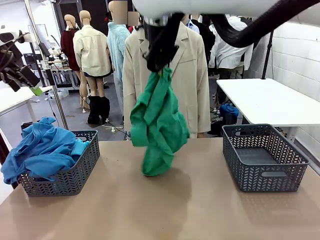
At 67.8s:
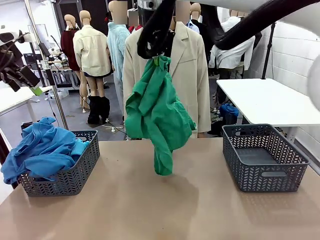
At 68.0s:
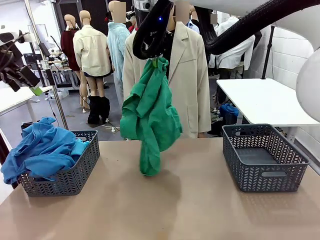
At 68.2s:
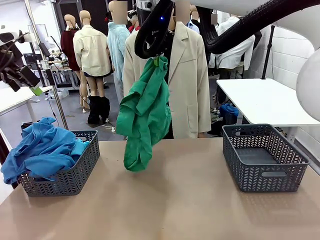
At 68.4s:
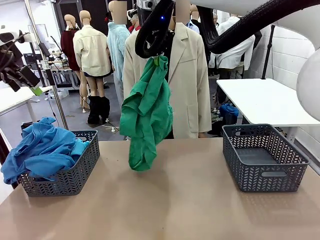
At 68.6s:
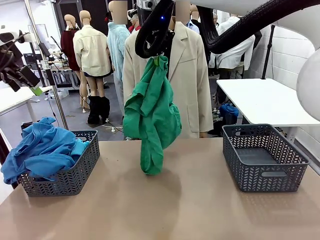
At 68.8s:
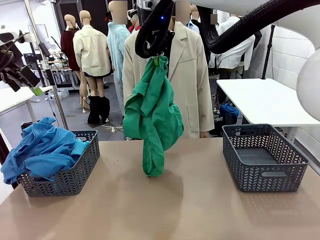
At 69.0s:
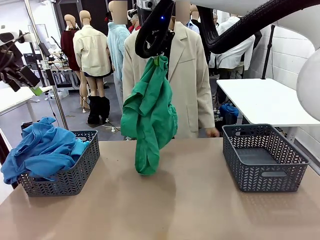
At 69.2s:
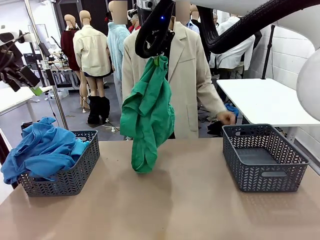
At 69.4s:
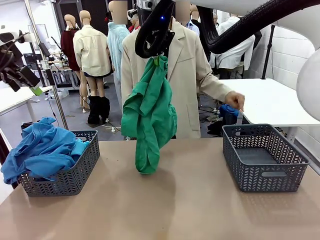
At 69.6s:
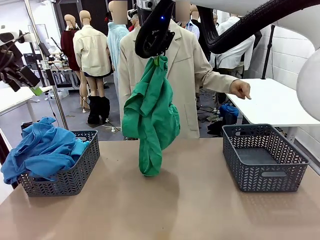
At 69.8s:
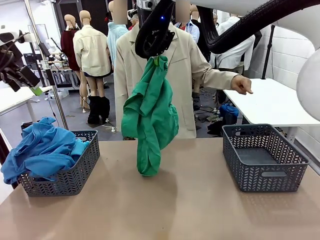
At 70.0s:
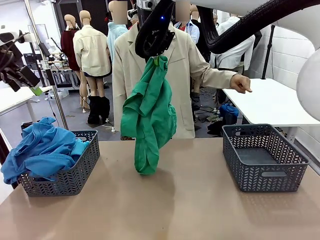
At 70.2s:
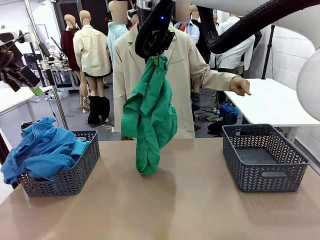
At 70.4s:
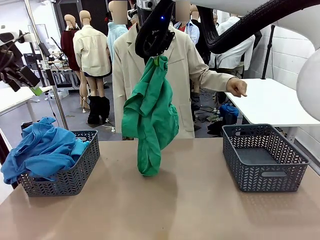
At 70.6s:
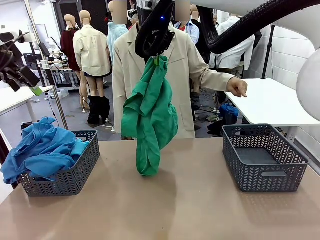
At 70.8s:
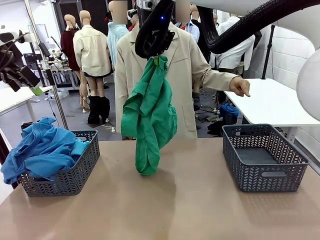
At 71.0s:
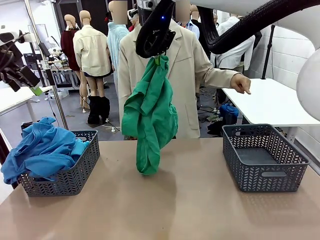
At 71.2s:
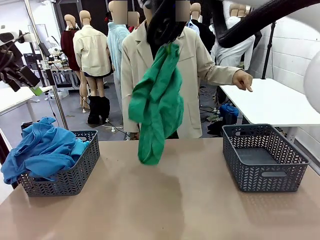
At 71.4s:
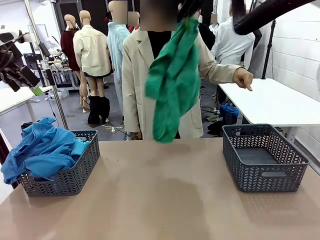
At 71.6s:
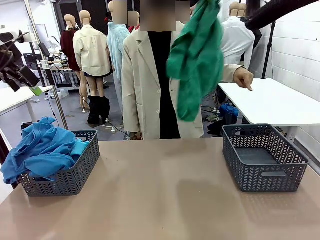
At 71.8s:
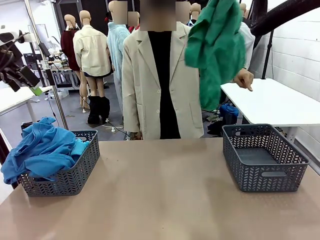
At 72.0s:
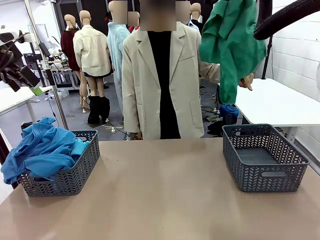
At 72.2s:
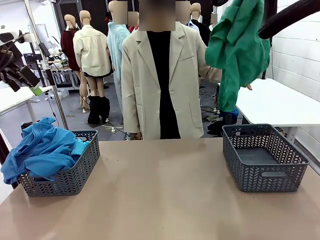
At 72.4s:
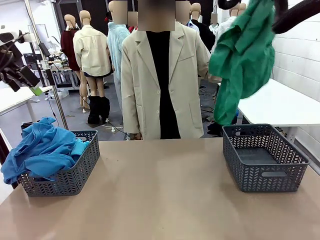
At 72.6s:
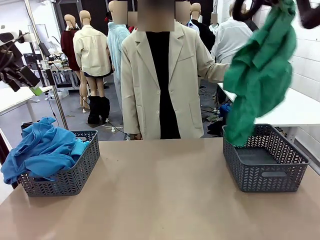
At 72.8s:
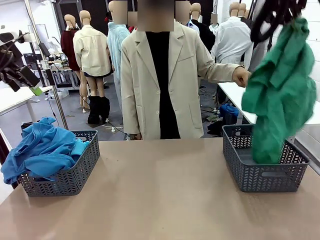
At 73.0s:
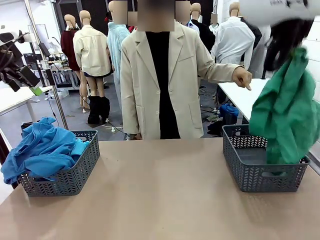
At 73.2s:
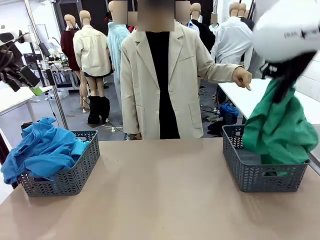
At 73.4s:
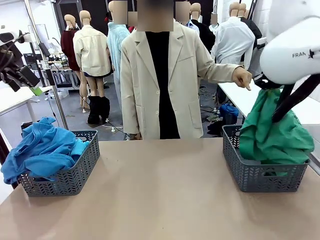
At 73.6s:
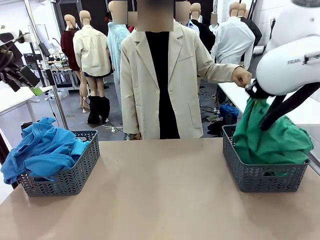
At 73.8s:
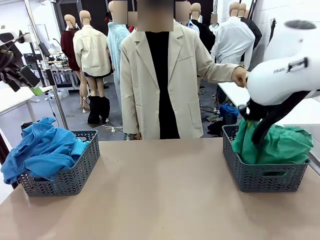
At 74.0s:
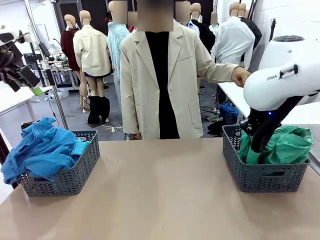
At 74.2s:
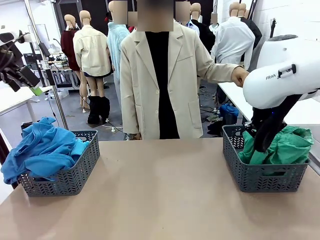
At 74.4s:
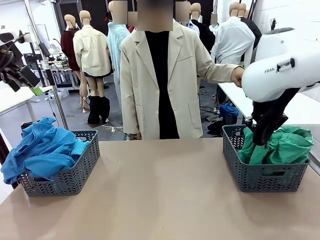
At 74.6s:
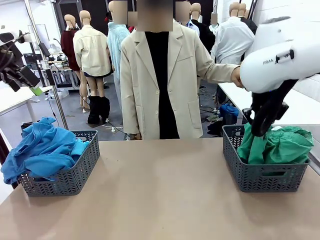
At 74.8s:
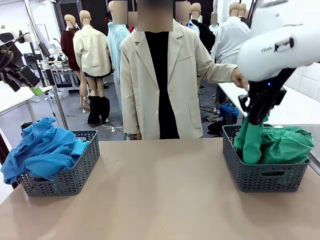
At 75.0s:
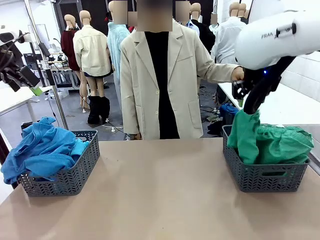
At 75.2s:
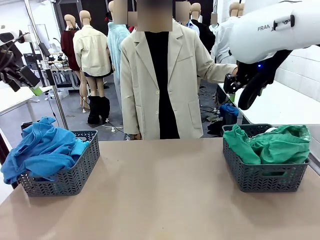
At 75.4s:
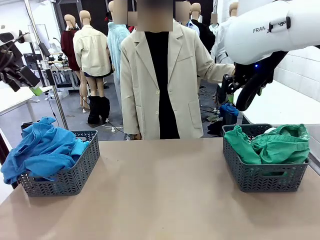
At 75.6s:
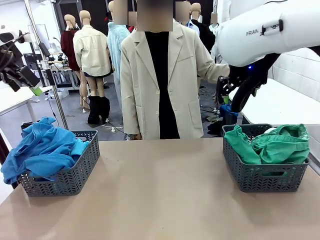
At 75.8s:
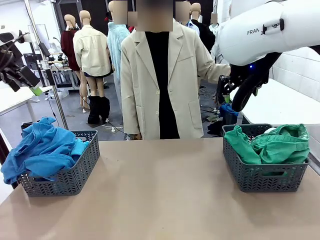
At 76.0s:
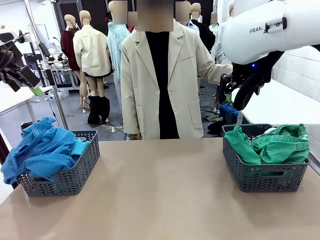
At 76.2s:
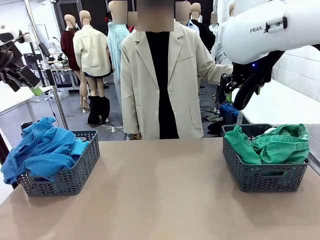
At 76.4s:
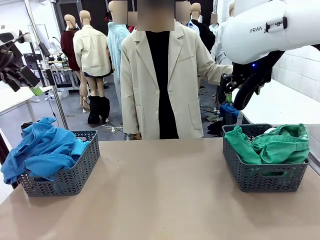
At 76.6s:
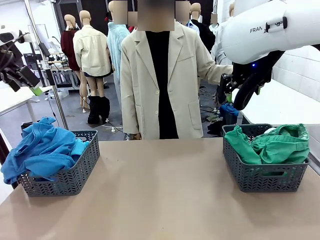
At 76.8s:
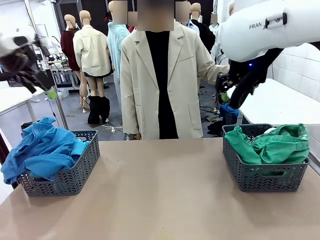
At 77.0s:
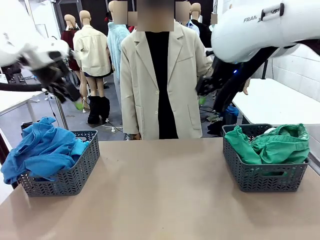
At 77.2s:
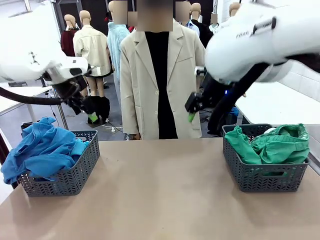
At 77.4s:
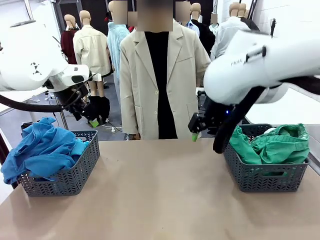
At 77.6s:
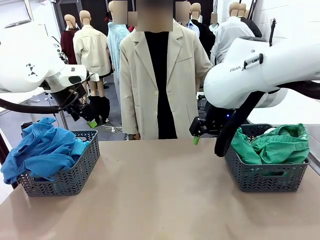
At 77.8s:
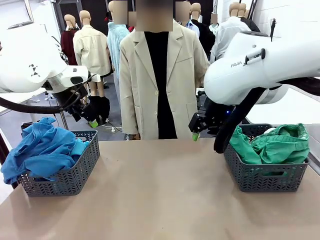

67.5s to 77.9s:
Task: Sort the tops and bottoms.
Robot: Sort the clothes according to human instructions.

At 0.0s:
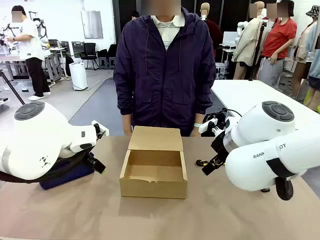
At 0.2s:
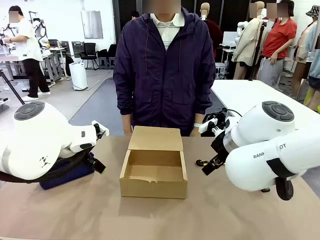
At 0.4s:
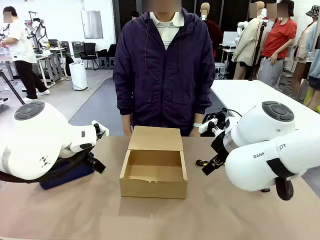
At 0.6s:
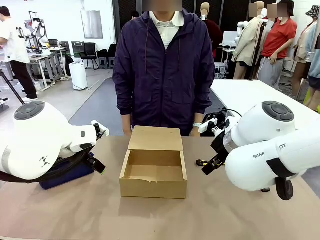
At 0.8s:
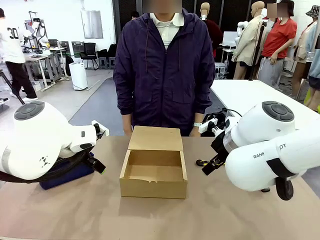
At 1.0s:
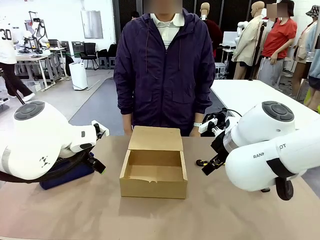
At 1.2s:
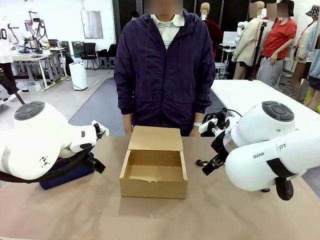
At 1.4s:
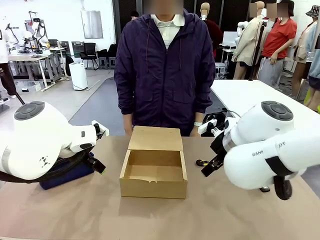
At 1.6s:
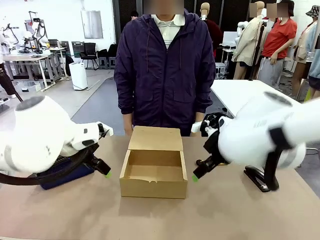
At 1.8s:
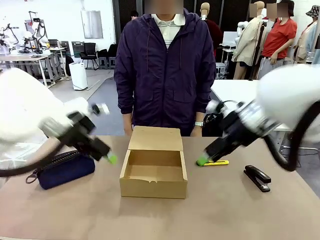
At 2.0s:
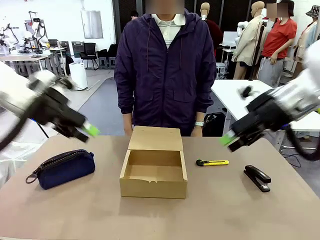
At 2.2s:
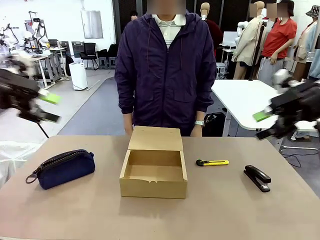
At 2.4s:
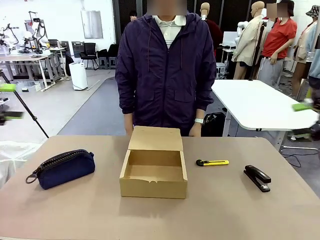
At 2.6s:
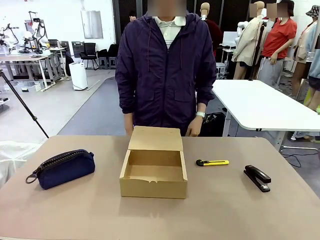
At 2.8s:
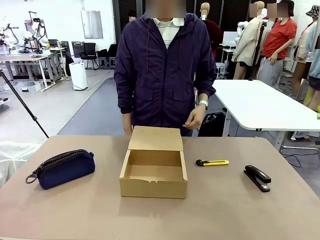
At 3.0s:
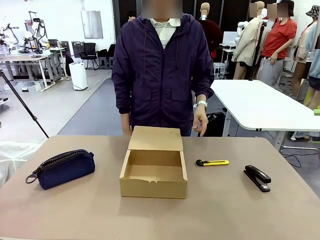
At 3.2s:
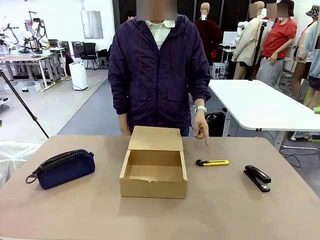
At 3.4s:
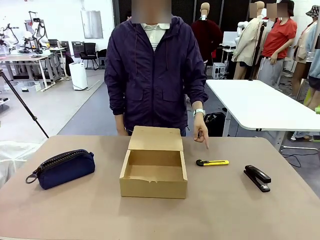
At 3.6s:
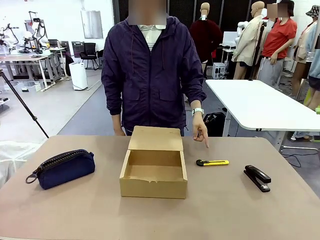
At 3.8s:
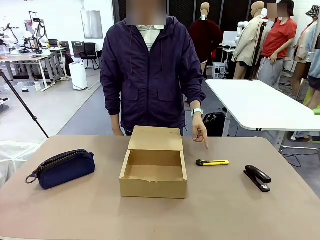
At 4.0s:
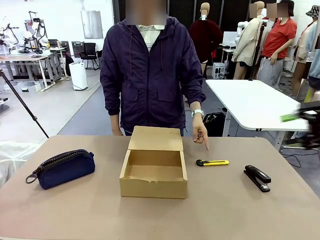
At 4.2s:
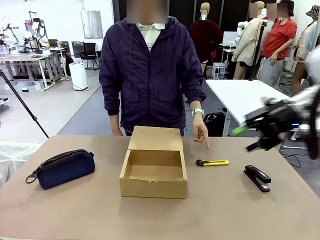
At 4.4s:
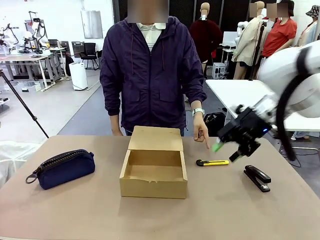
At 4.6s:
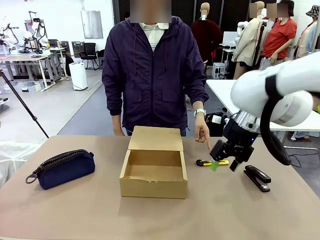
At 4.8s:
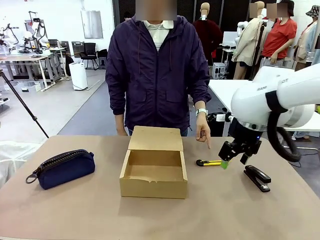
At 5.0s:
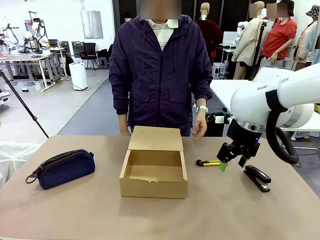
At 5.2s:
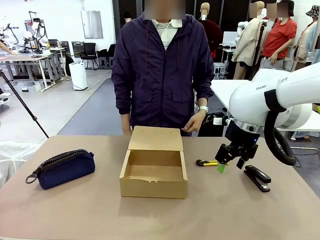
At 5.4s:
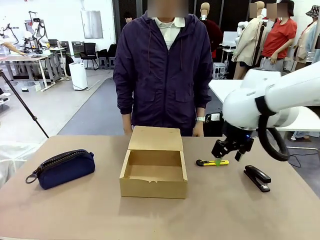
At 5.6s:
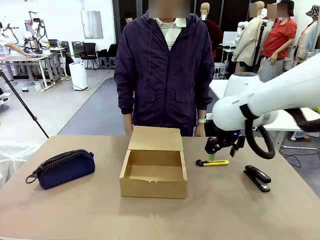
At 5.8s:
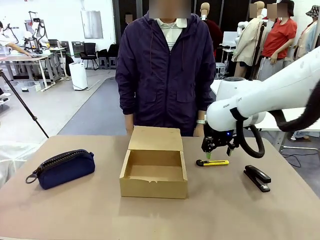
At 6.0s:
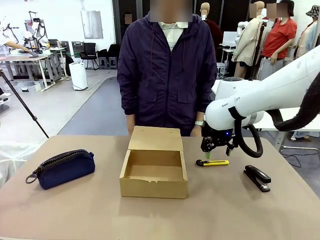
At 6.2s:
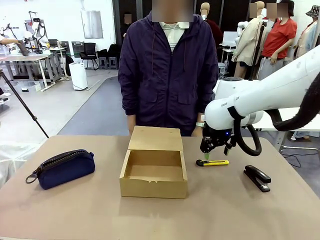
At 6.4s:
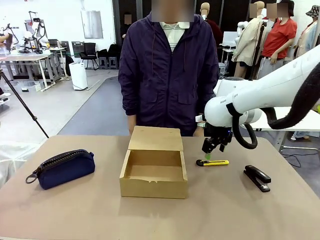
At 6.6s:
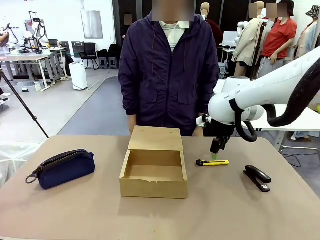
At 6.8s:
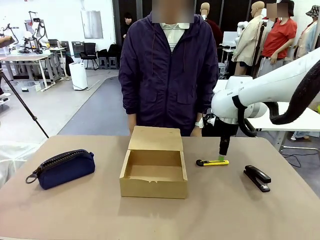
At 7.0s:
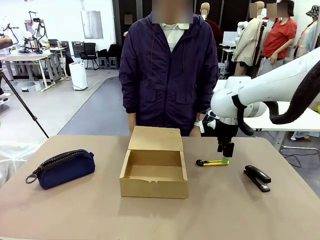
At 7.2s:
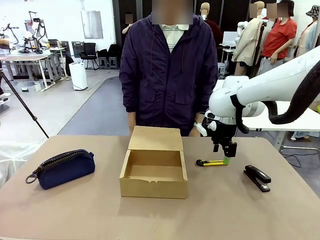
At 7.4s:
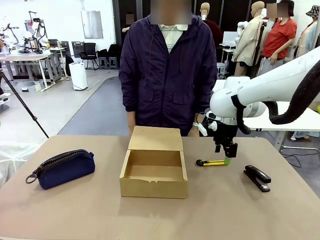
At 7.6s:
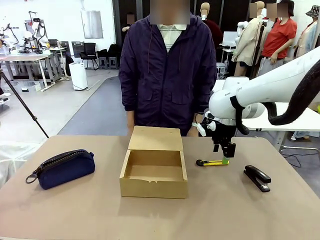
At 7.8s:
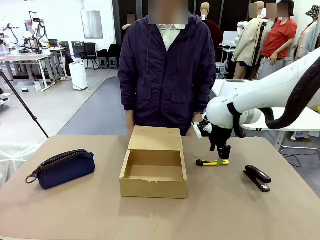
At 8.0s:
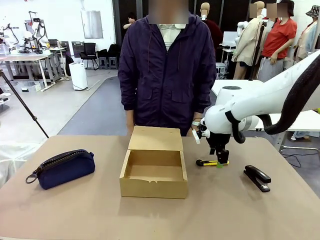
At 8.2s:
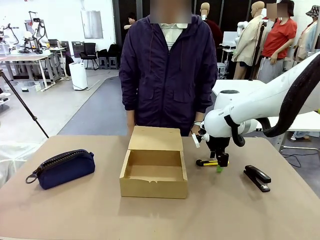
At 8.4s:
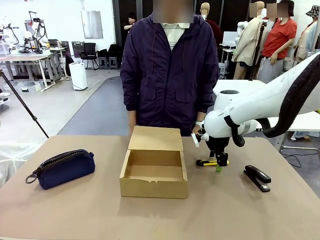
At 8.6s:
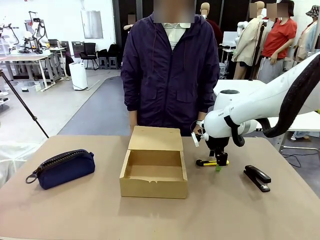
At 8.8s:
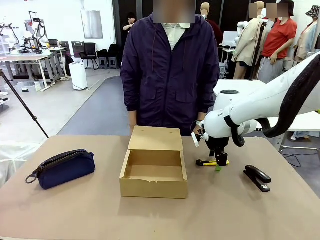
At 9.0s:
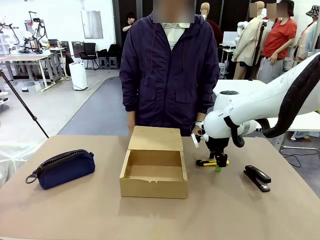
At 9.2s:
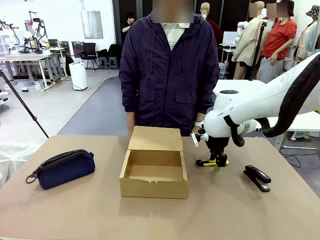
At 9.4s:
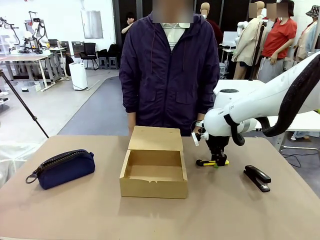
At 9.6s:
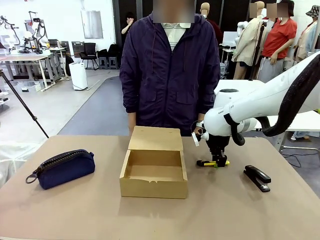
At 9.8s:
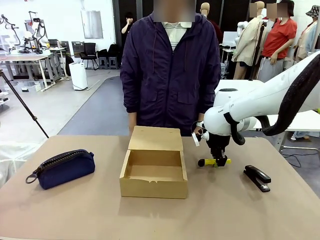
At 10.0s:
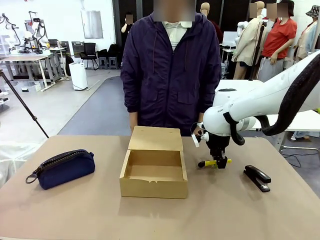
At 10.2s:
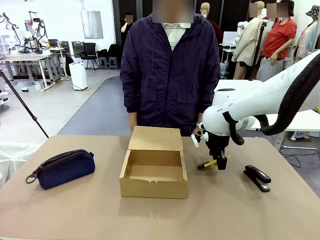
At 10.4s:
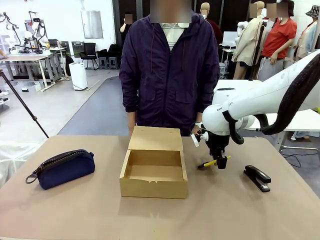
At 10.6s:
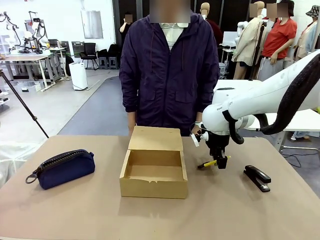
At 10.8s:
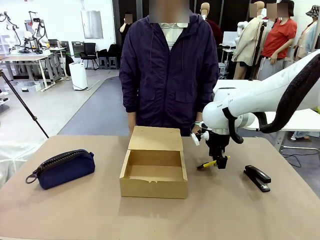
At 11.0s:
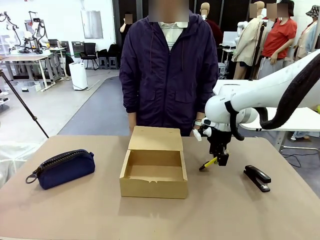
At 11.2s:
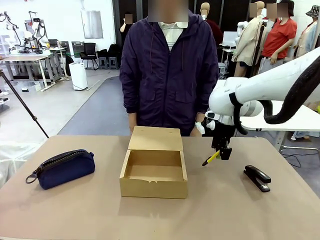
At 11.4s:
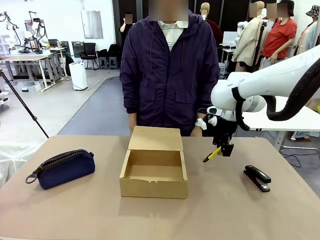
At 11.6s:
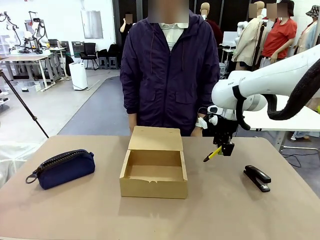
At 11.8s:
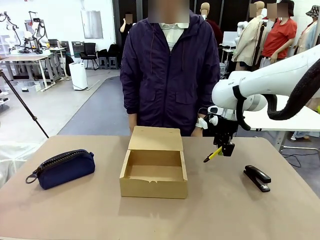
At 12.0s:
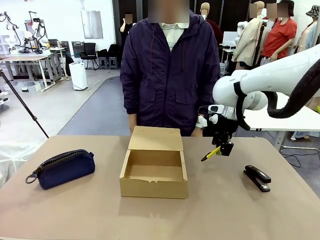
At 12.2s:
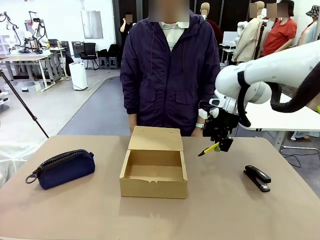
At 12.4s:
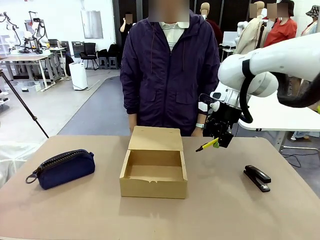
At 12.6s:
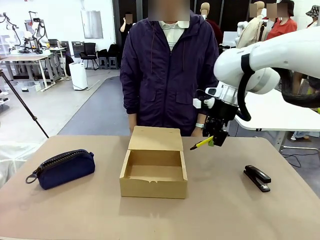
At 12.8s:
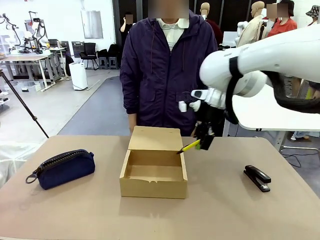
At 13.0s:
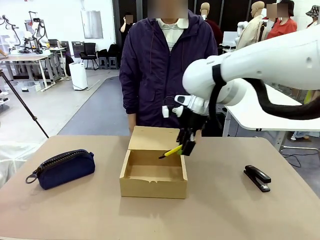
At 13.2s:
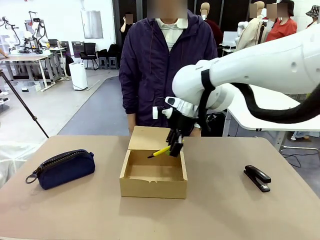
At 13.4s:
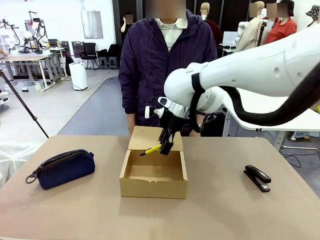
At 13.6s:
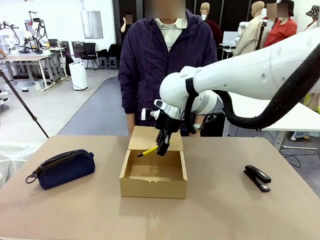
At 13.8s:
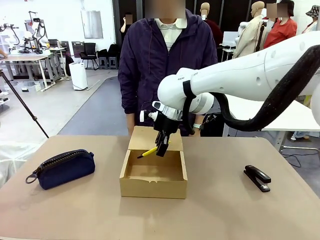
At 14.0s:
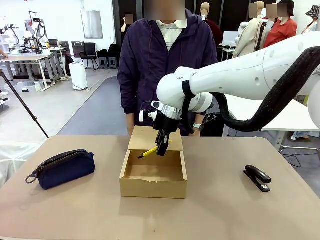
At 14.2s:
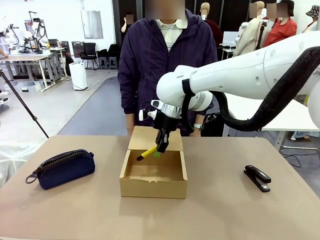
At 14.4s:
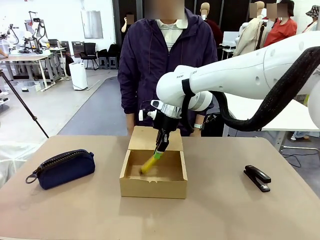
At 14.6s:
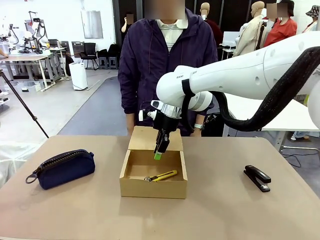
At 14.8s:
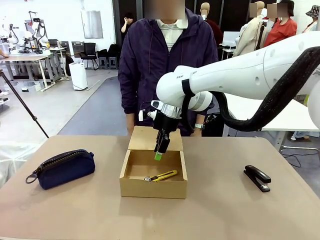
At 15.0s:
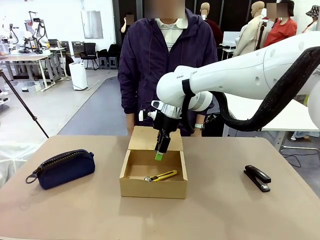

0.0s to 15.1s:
Task: Pack the items into the box.
Robot: Pick up the item specified by the human and place it in the Mailer Box.
Person: Point at one item on the table (excluding the box).
